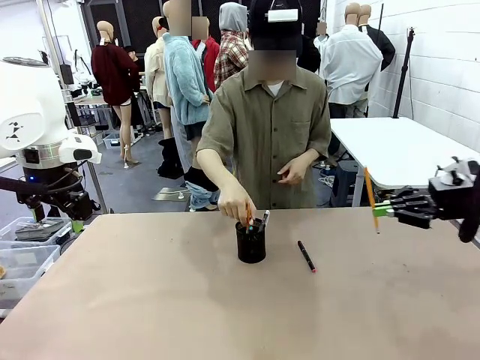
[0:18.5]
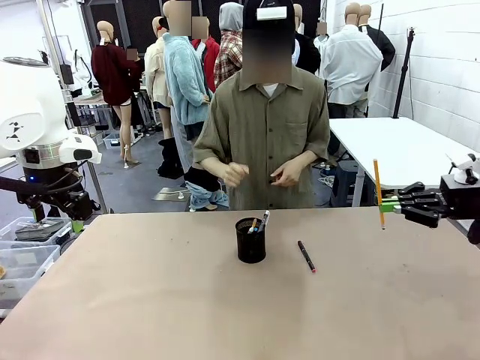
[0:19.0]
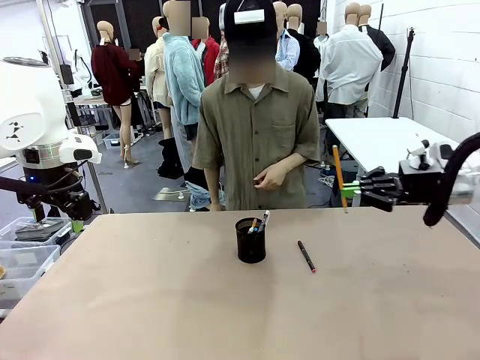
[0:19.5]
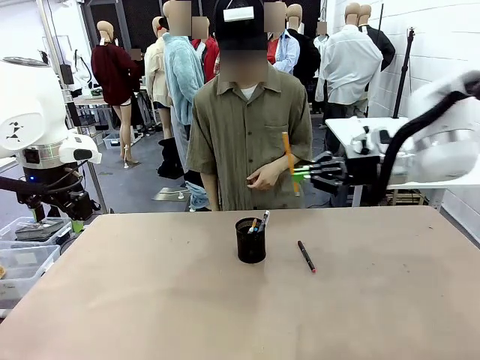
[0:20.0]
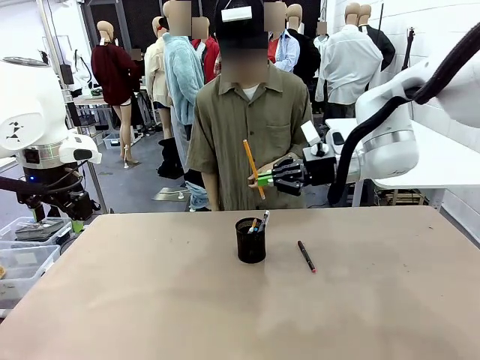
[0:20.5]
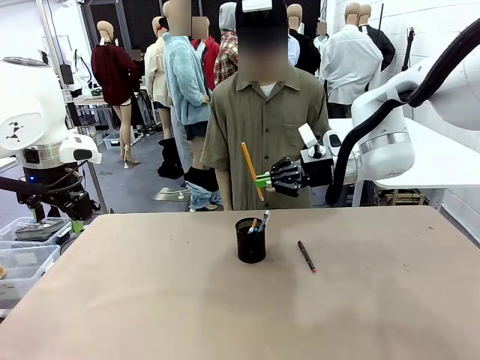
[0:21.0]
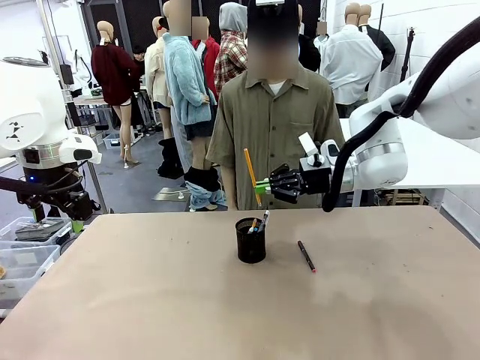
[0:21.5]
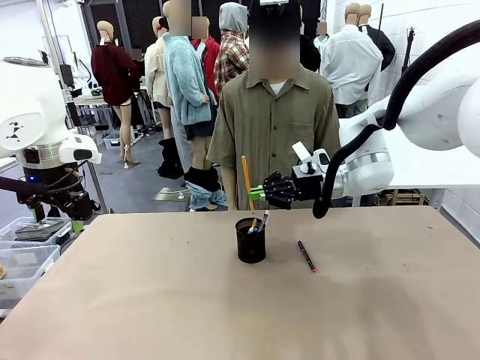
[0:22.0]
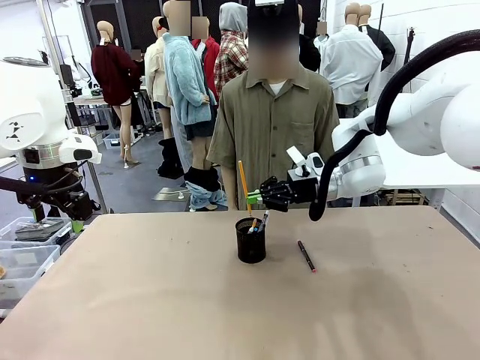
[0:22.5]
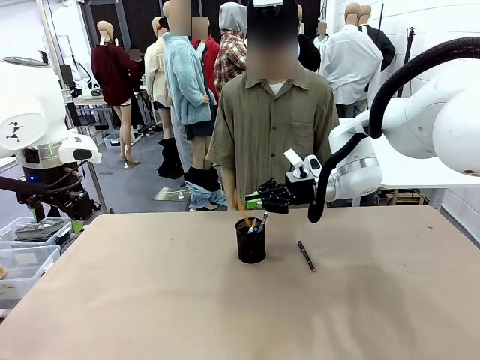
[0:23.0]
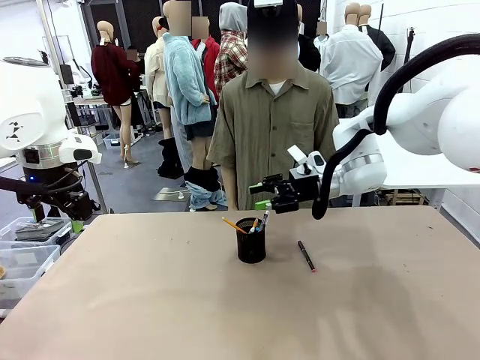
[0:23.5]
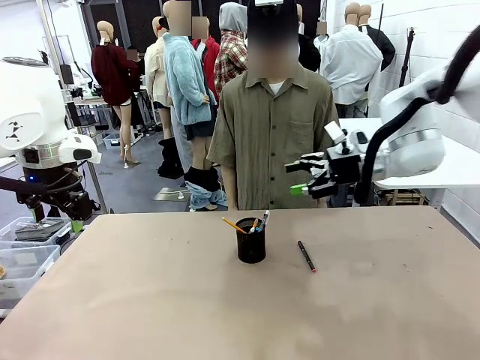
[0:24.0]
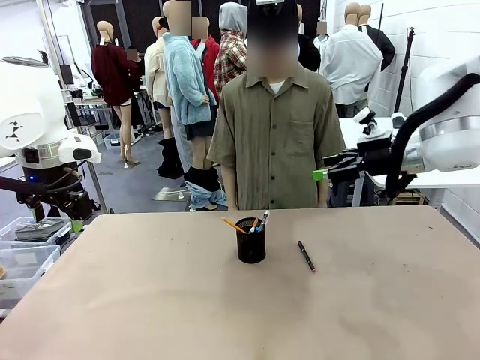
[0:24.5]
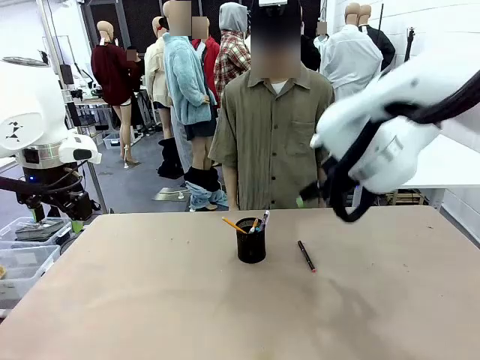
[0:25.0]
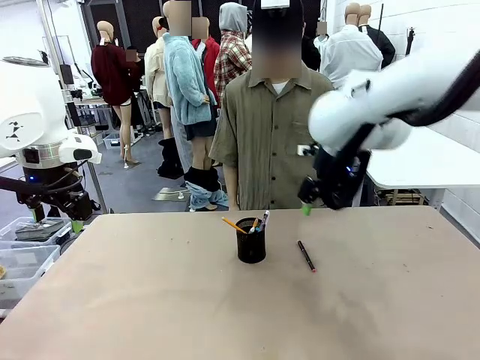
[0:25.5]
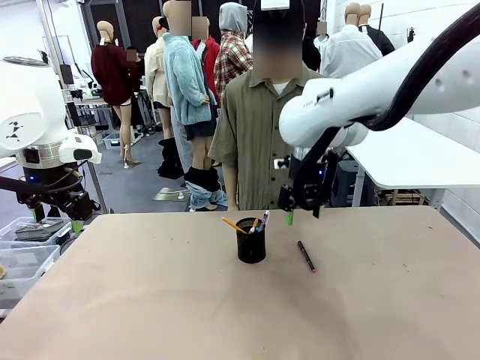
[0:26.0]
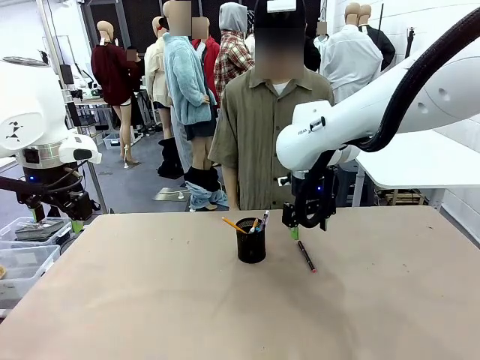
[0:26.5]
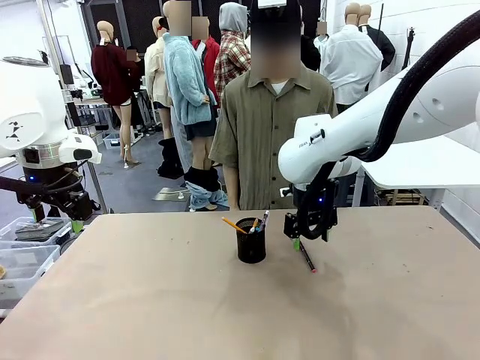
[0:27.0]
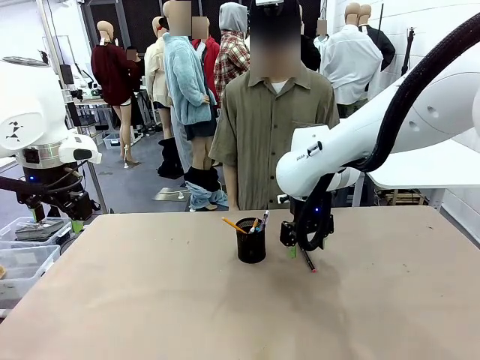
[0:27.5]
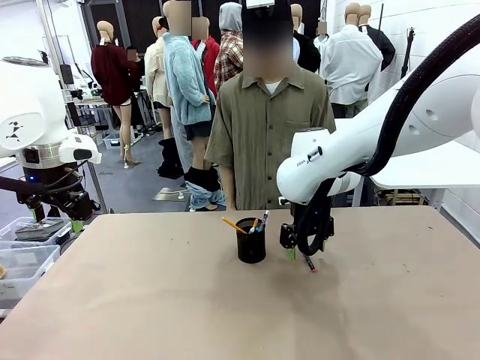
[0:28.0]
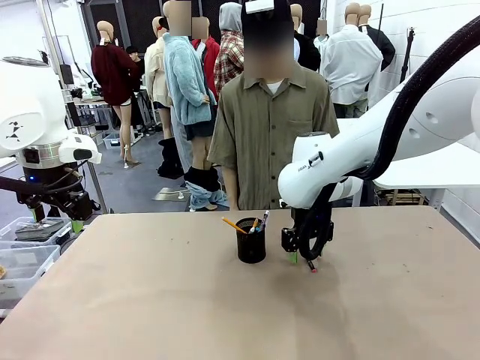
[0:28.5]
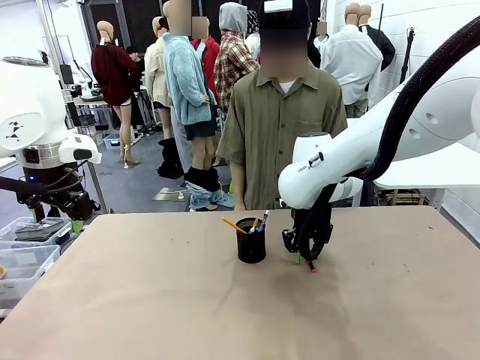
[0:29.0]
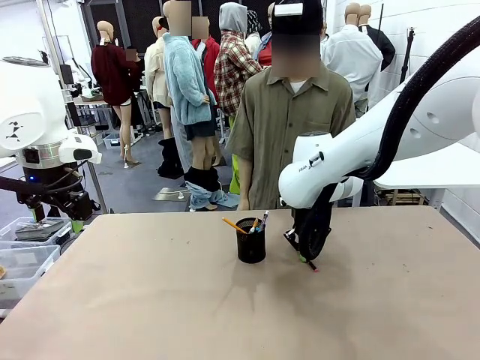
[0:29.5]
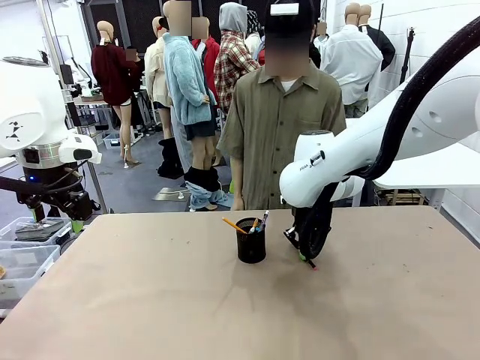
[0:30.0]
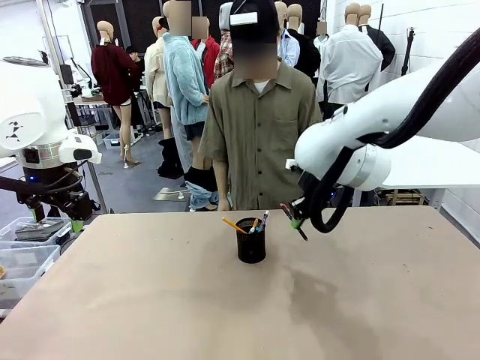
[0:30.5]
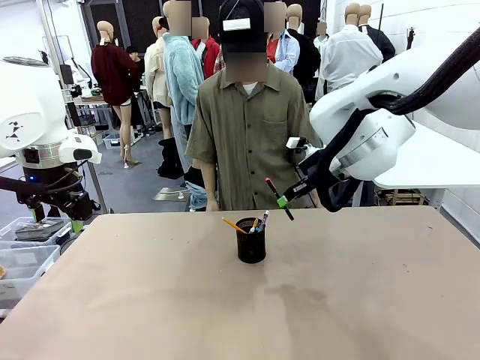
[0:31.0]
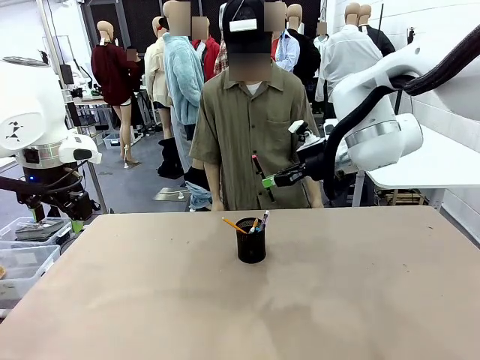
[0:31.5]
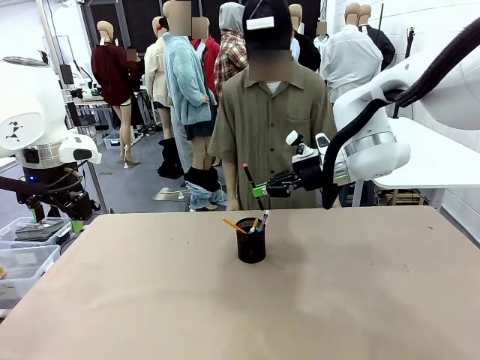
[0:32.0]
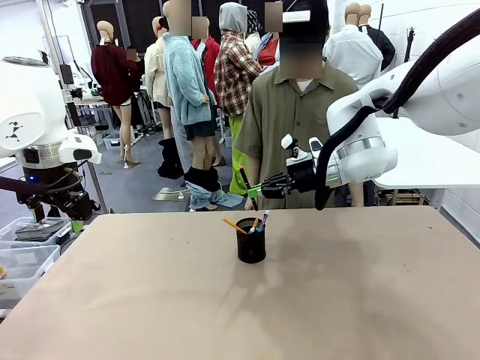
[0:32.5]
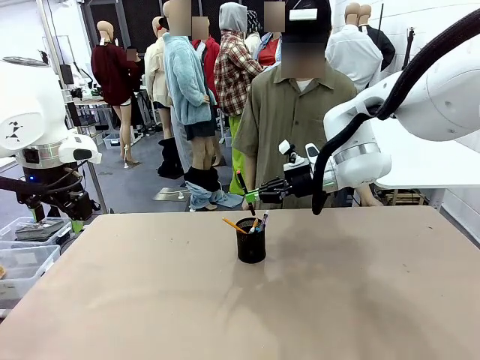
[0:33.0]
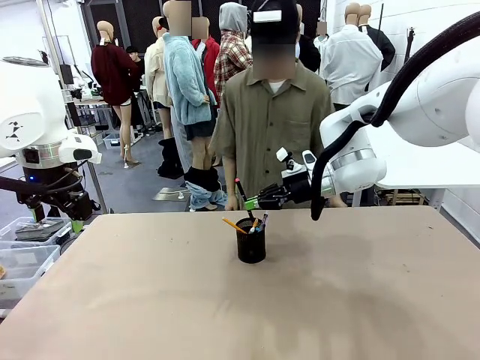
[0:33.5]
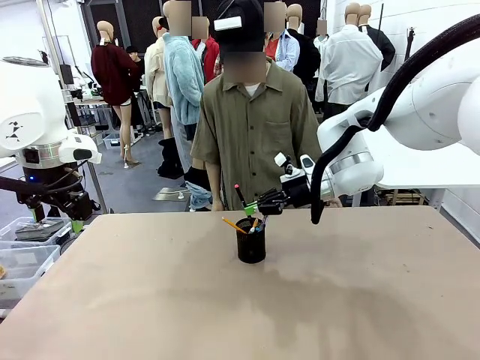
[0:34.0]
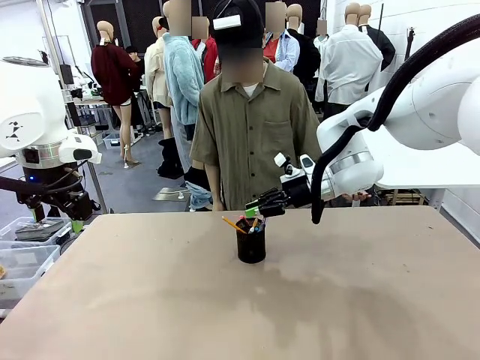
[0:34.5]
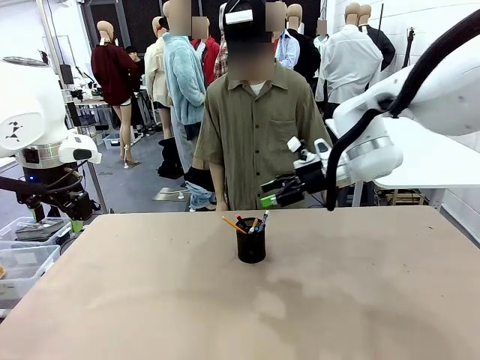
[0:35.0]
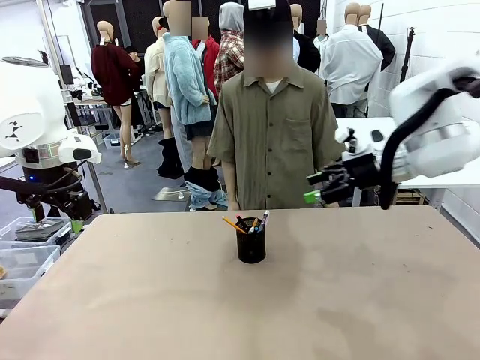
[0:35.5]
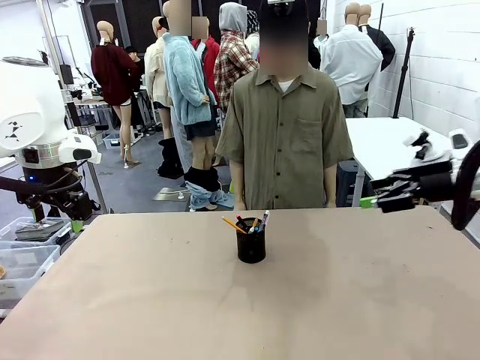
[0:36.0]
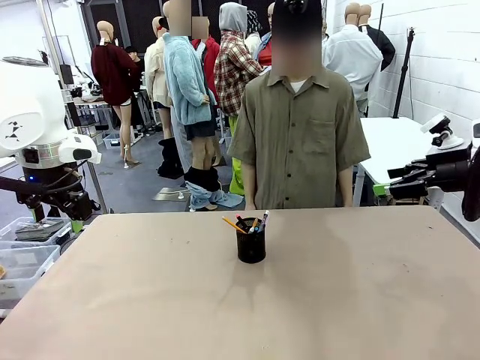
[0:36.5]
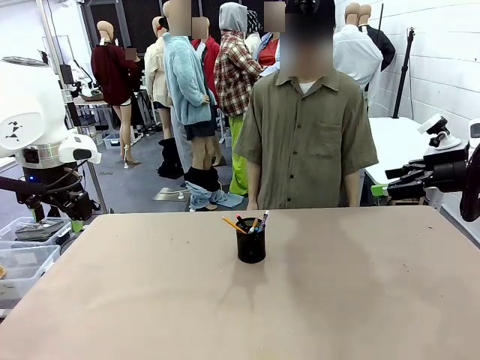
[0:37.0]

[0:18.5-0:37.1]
Task: Place the pens into the pen holder.
Robot: Pick up a writing instrument from the table and place it into the Pen holder.
Person: Place all writing instrument into the Pen holder.
